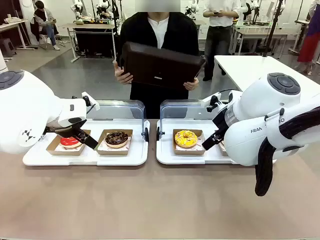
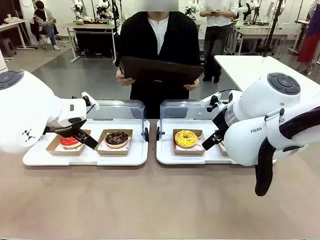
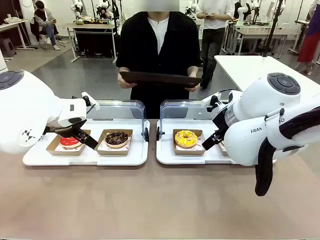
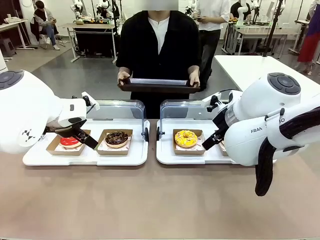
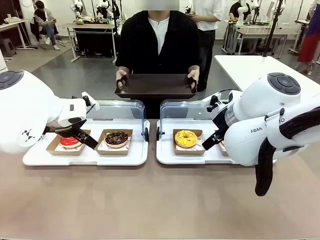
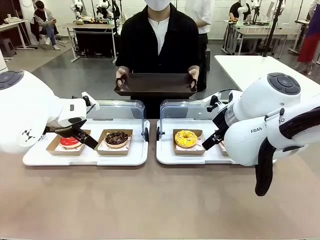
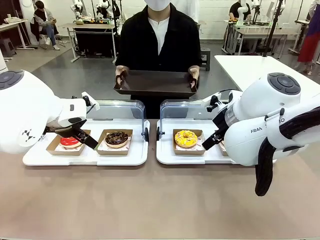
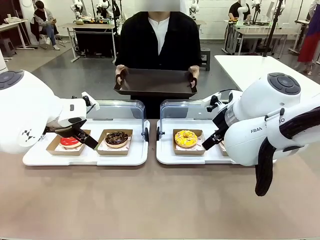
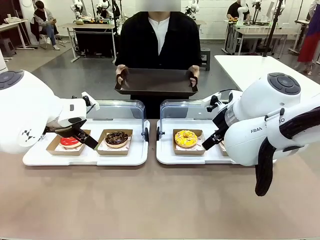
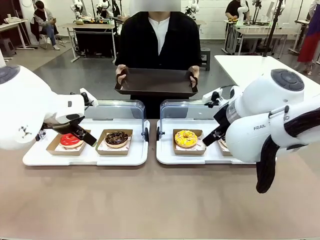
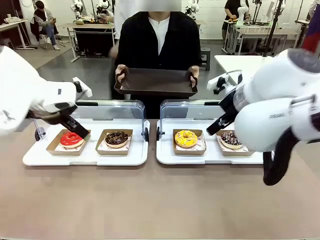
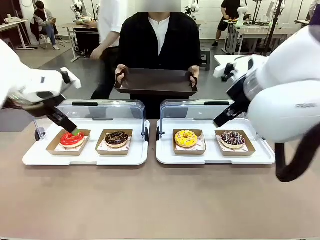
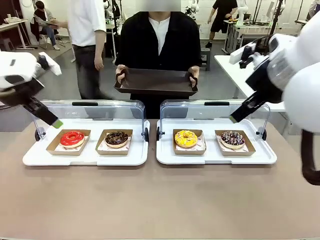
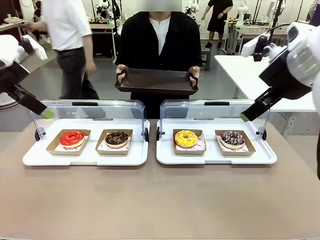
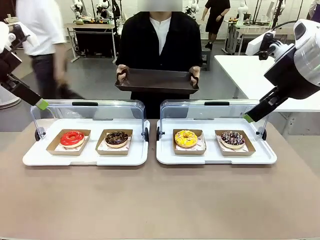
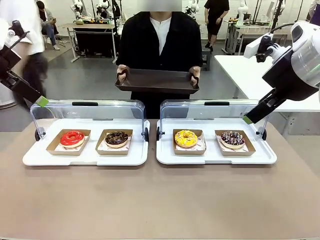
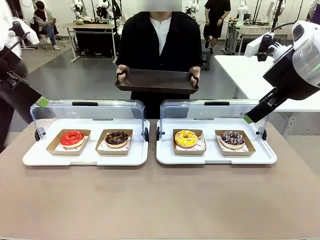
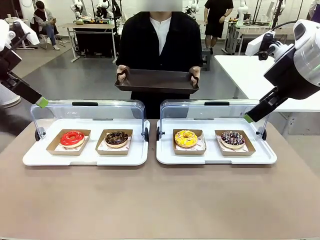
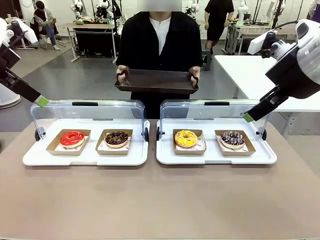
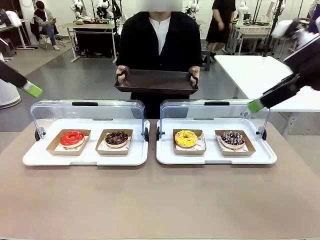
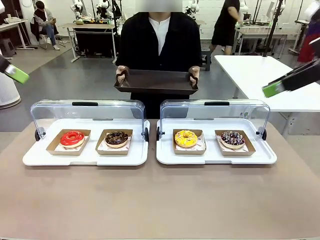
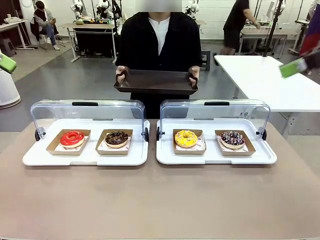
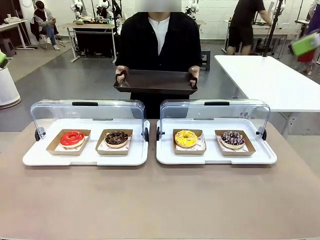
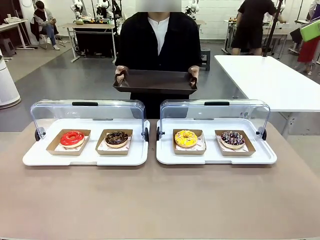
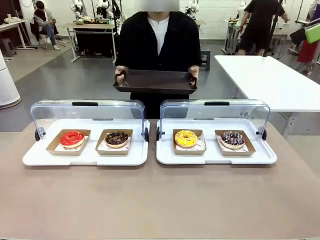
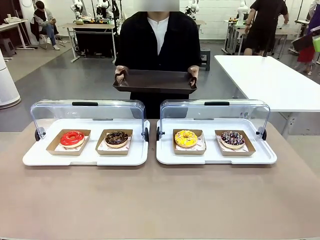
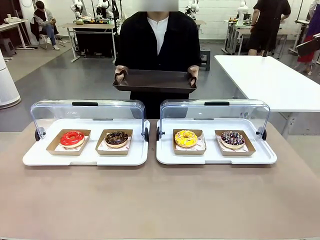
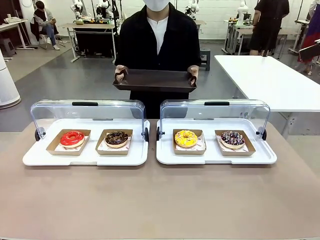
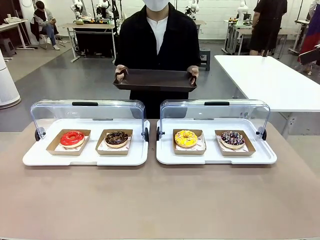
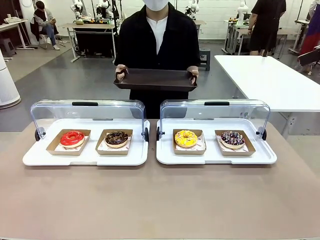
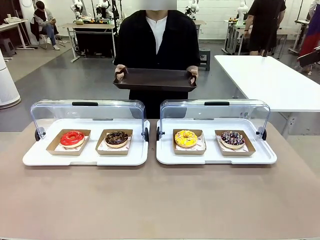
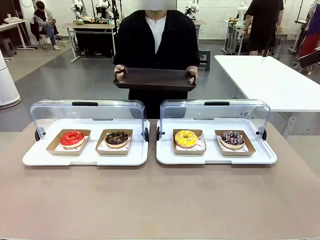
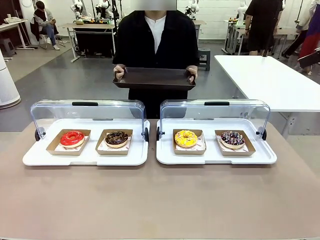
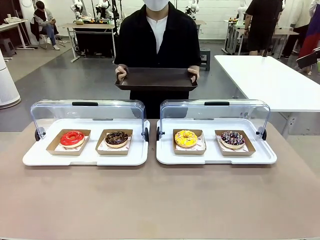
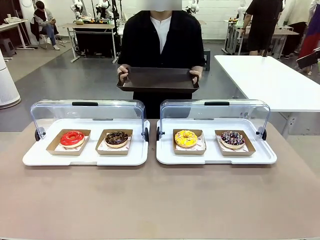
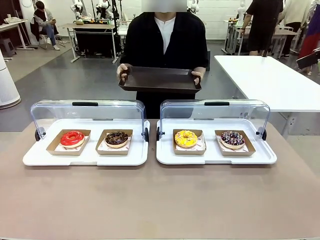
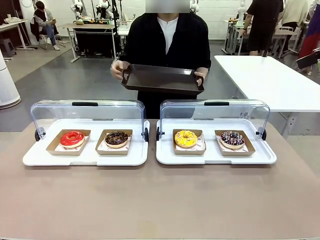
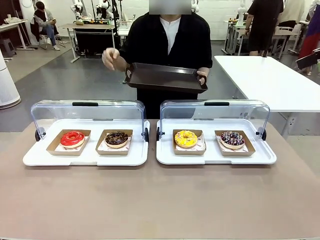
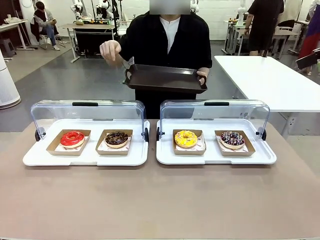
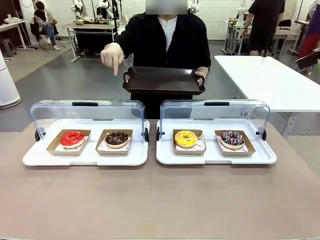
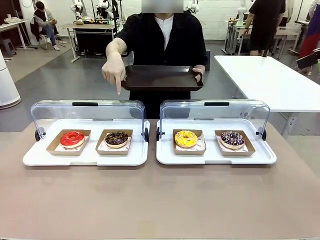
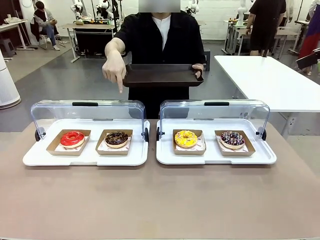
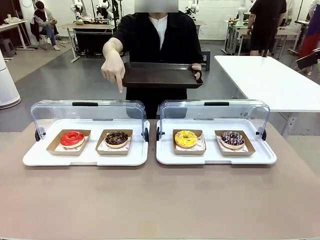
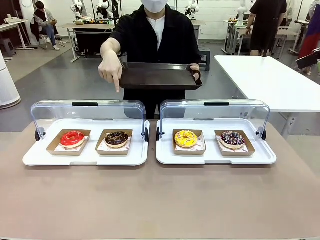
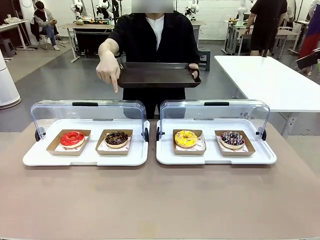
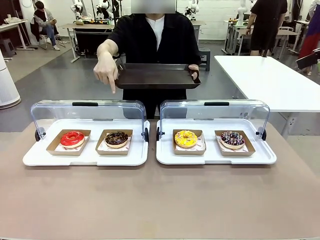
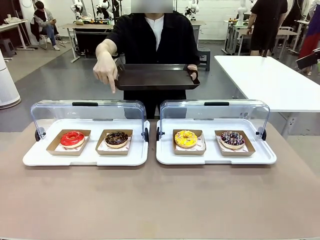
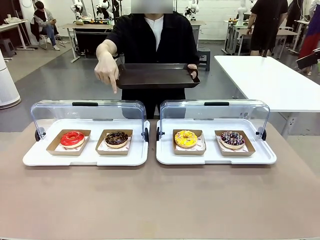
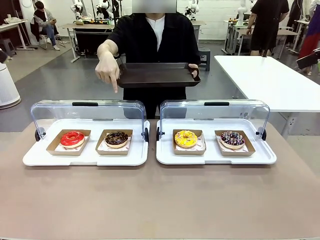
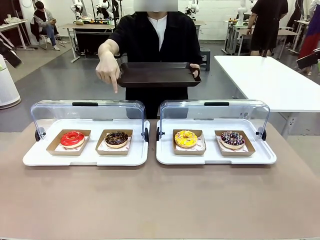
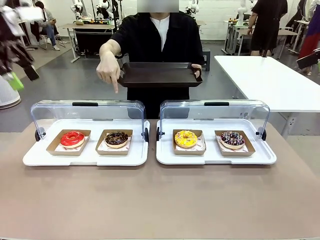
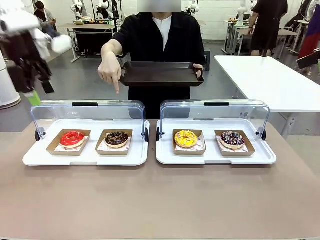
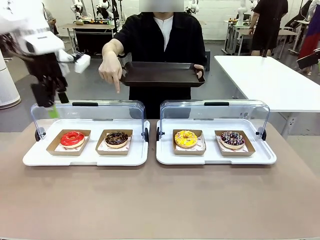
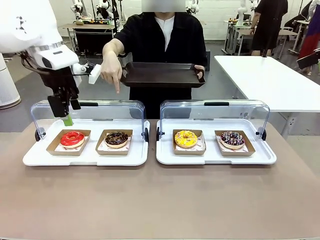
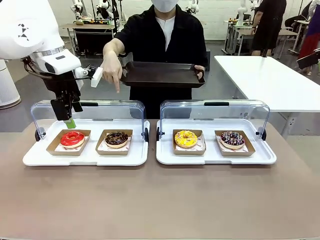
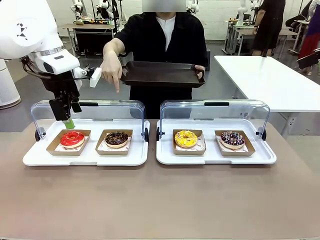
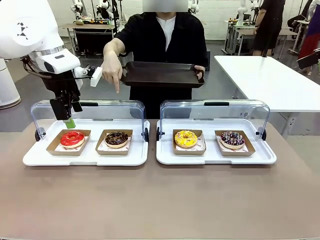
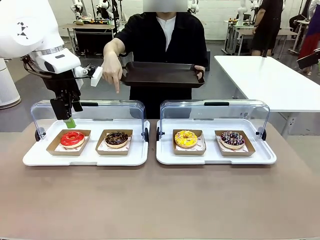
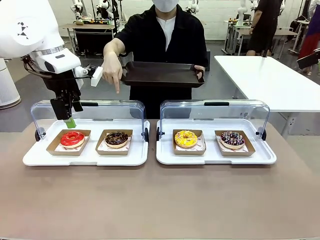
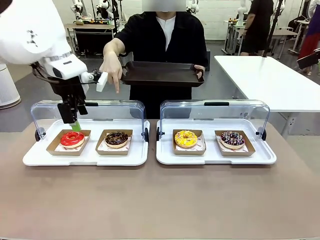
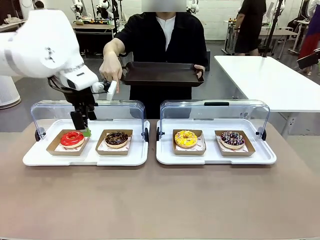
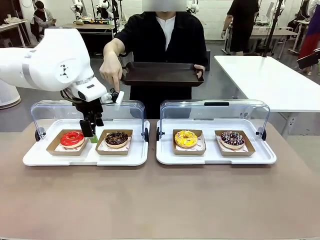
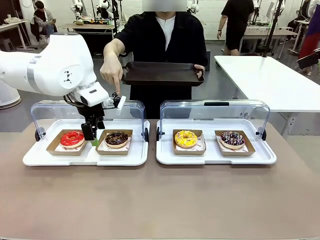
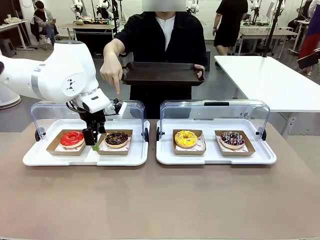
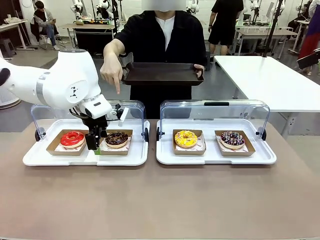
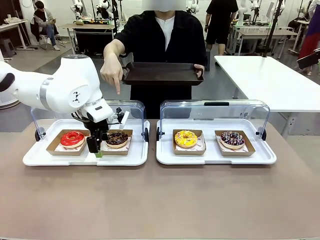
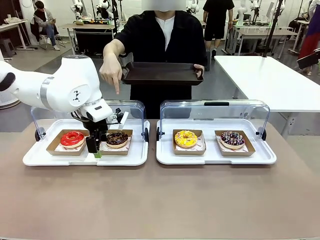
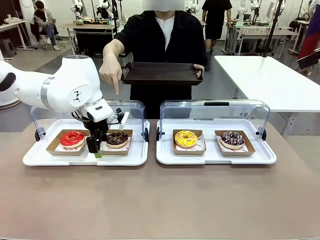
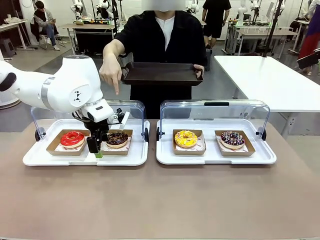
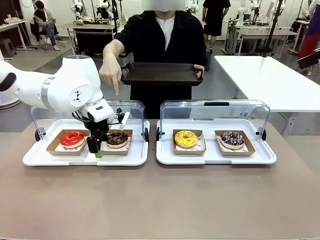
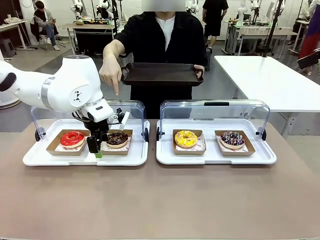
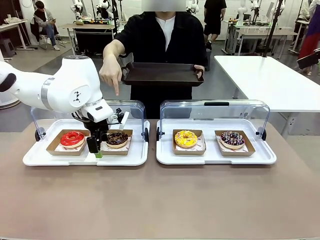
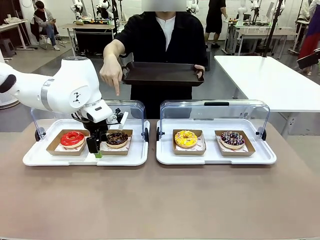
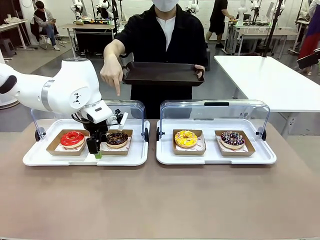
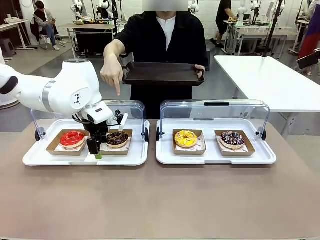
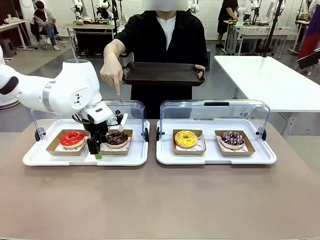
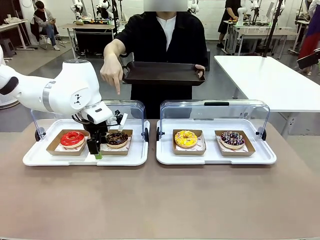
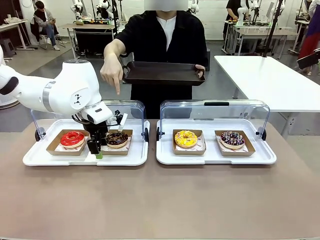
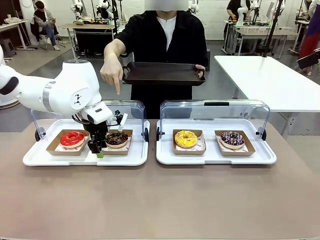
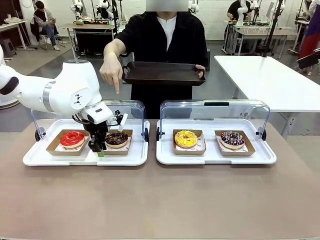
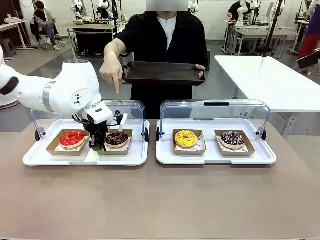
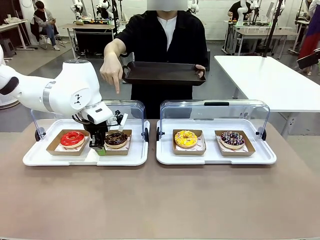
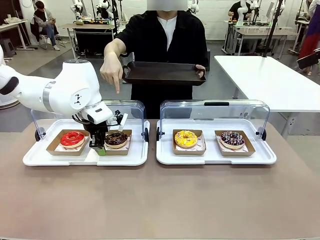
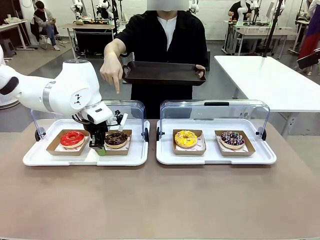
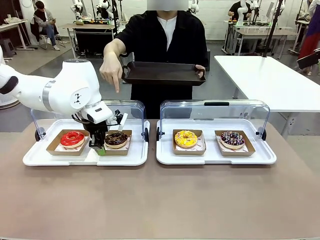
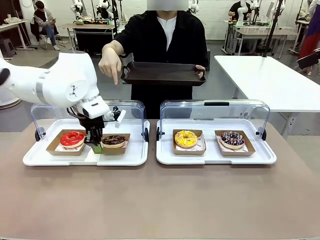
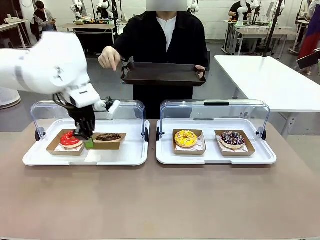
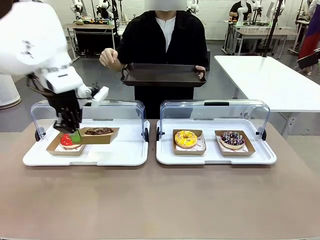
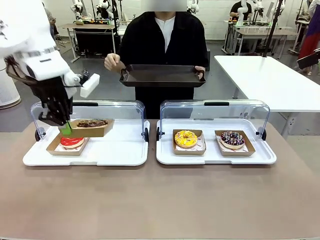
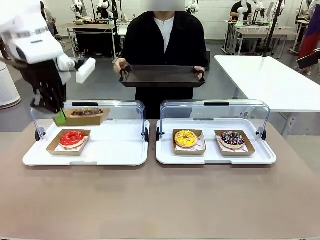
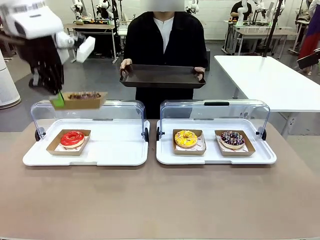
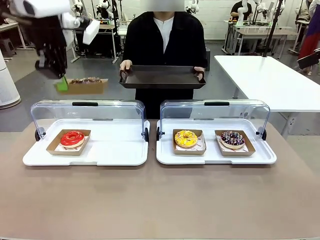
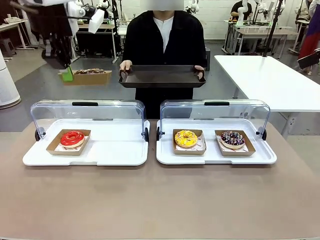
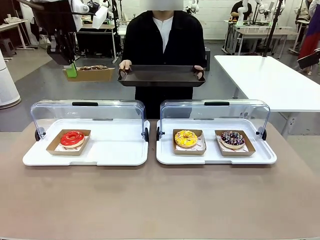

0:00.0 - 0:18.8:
Task: Provide the desired donut to the person.
Robot: Pick up and lift the Paper togo box containing the Donut pointed at by the person.
Person: Point to one donut. Lift the tray onto the Roll-Top Bakery Case.
